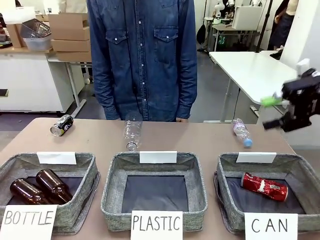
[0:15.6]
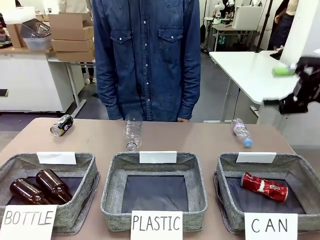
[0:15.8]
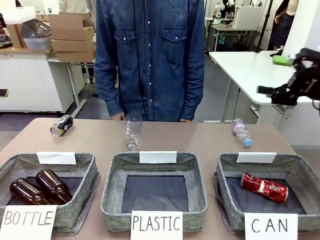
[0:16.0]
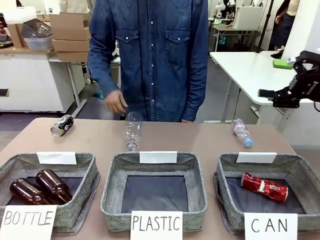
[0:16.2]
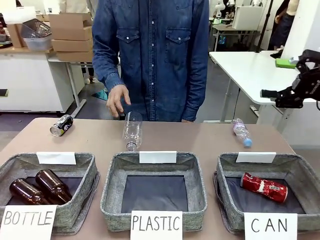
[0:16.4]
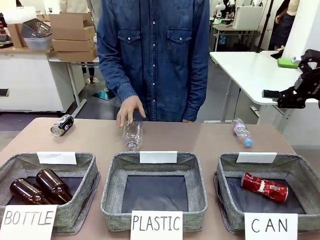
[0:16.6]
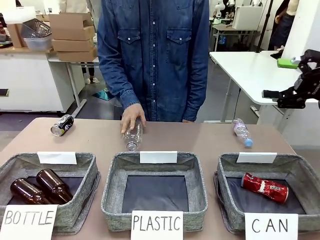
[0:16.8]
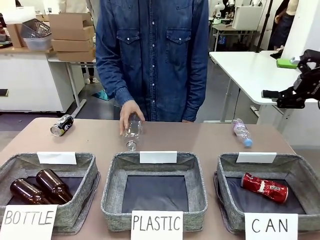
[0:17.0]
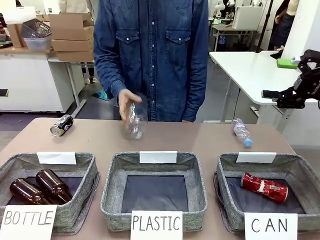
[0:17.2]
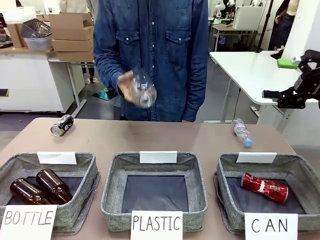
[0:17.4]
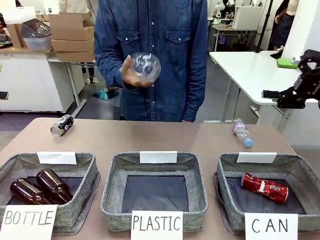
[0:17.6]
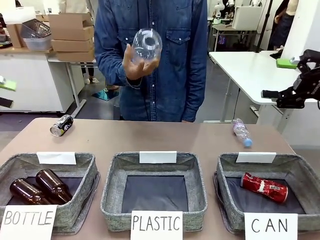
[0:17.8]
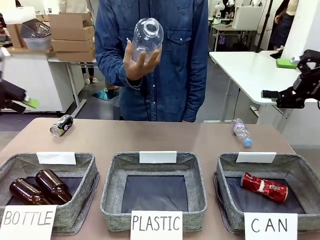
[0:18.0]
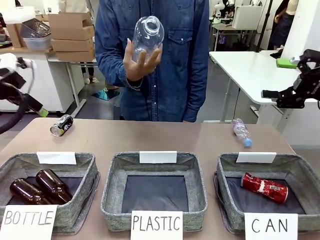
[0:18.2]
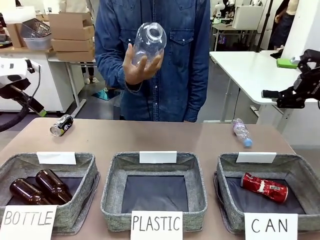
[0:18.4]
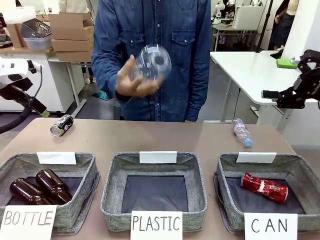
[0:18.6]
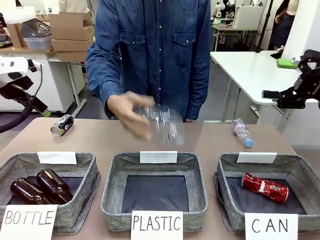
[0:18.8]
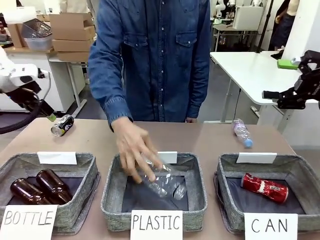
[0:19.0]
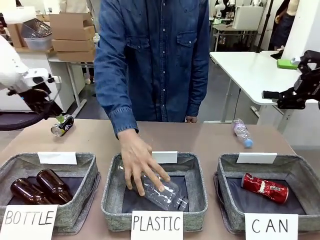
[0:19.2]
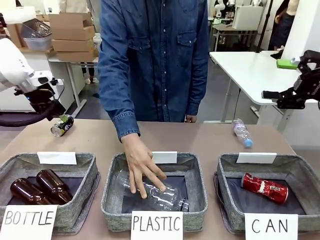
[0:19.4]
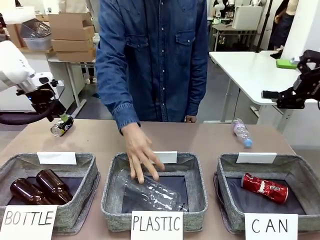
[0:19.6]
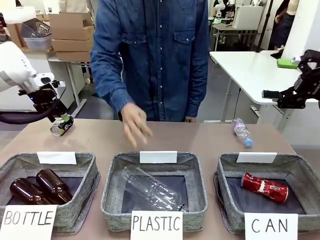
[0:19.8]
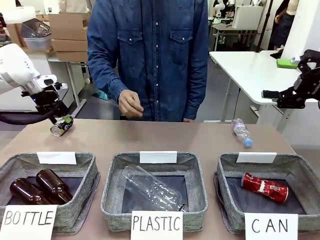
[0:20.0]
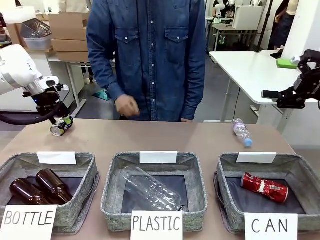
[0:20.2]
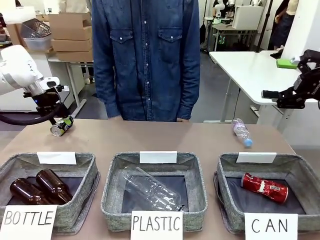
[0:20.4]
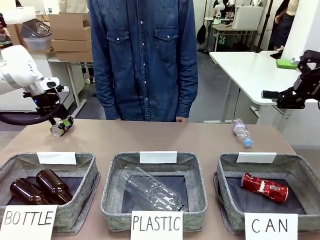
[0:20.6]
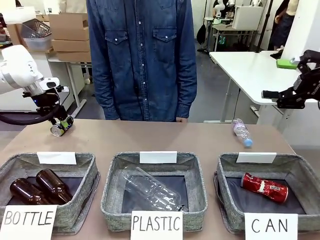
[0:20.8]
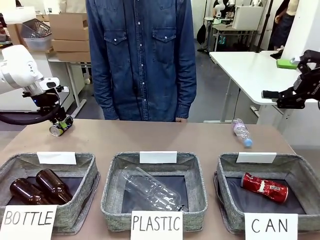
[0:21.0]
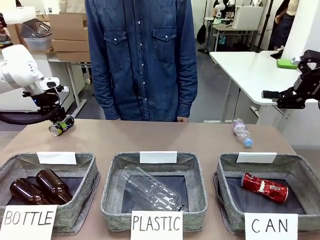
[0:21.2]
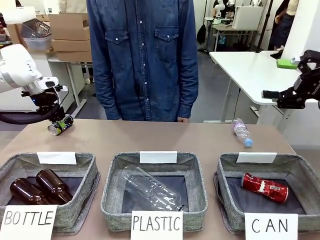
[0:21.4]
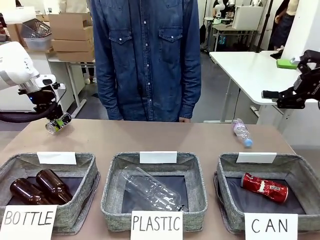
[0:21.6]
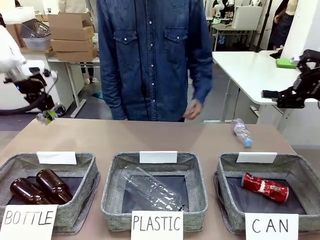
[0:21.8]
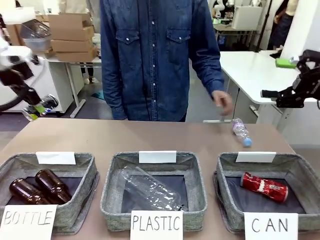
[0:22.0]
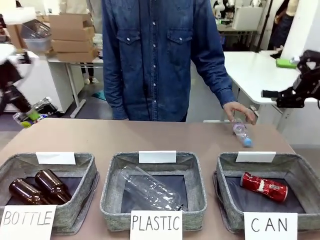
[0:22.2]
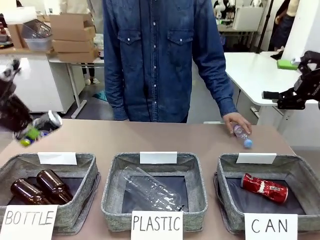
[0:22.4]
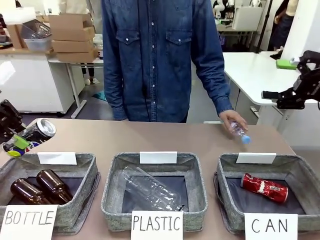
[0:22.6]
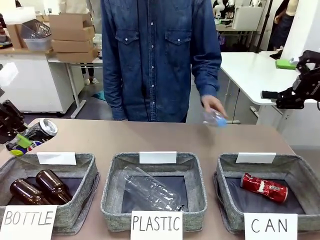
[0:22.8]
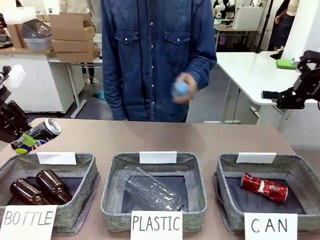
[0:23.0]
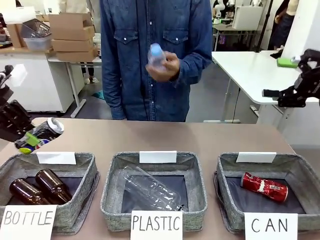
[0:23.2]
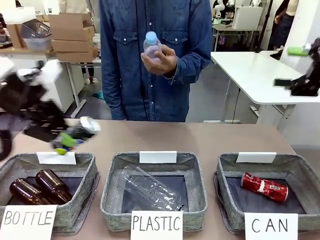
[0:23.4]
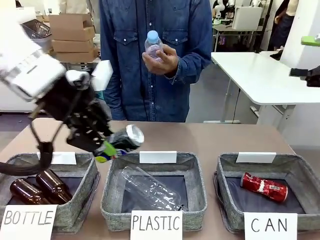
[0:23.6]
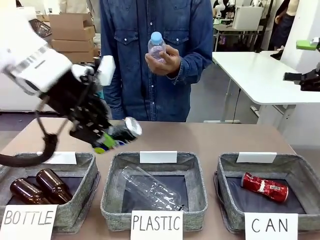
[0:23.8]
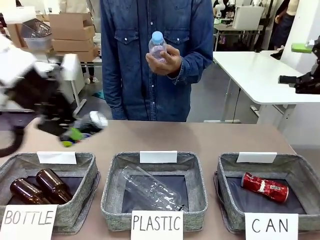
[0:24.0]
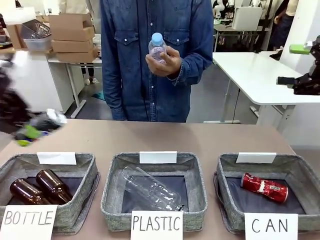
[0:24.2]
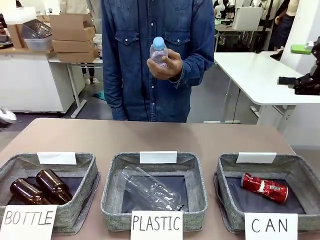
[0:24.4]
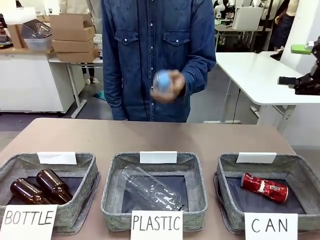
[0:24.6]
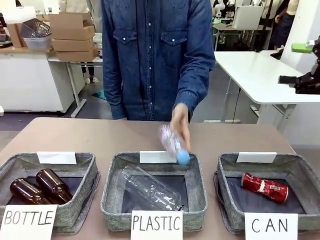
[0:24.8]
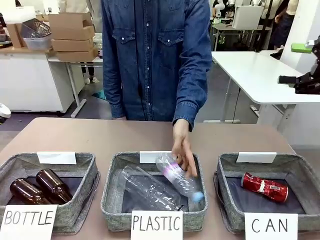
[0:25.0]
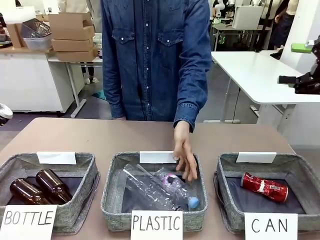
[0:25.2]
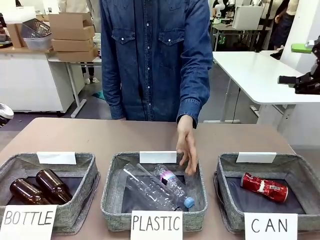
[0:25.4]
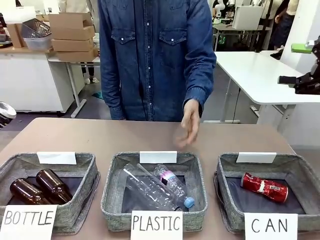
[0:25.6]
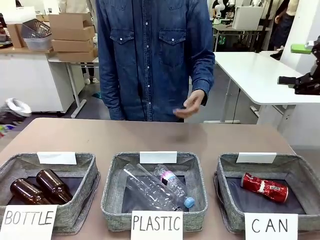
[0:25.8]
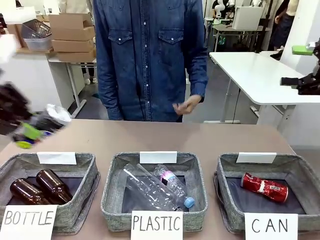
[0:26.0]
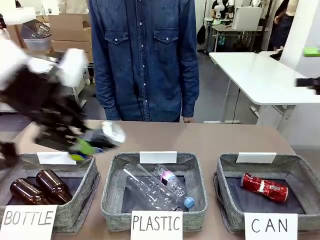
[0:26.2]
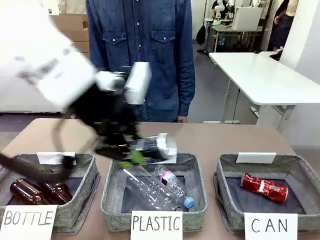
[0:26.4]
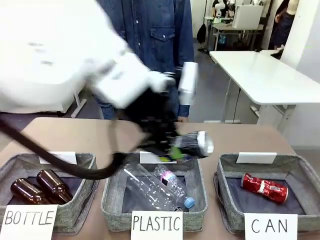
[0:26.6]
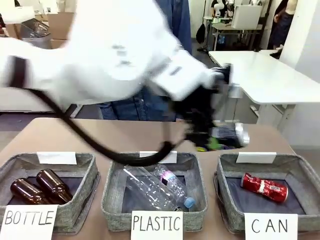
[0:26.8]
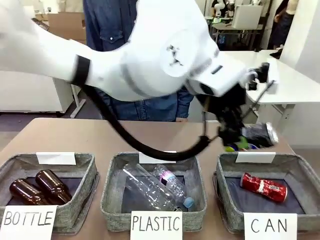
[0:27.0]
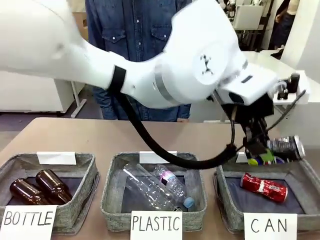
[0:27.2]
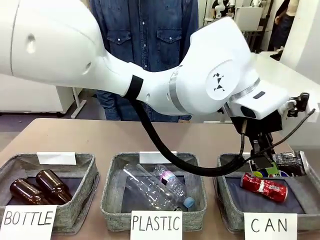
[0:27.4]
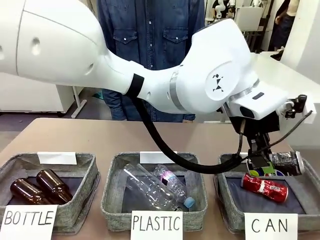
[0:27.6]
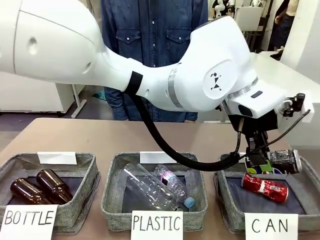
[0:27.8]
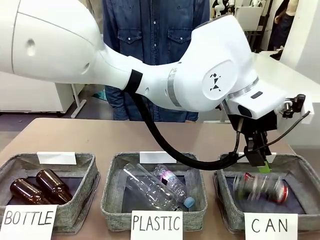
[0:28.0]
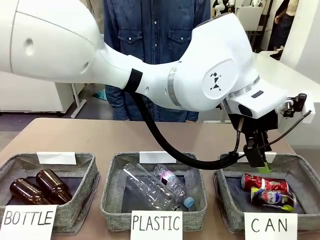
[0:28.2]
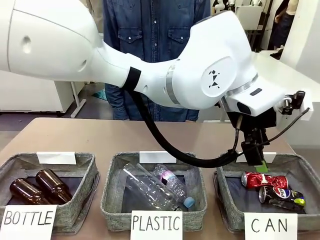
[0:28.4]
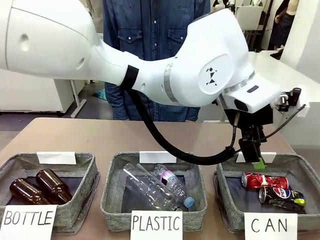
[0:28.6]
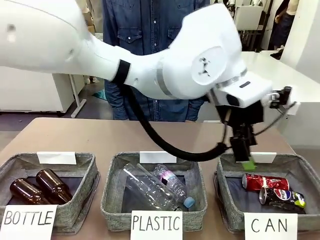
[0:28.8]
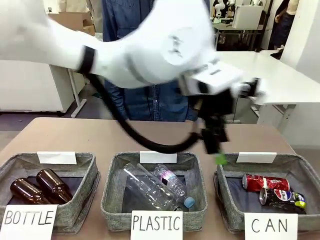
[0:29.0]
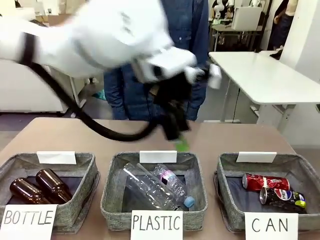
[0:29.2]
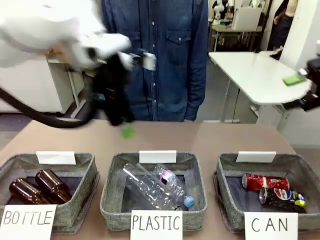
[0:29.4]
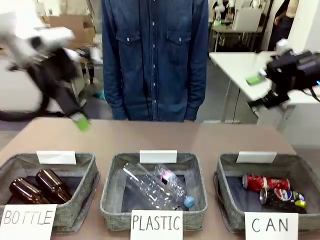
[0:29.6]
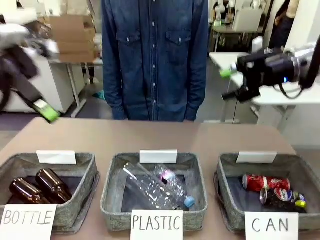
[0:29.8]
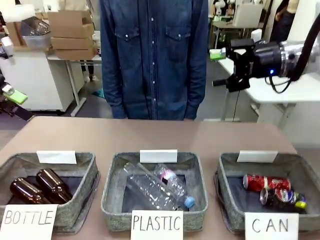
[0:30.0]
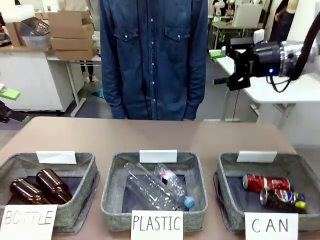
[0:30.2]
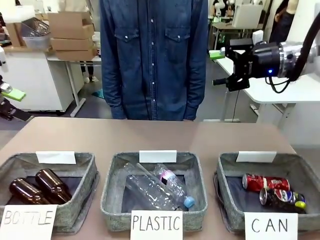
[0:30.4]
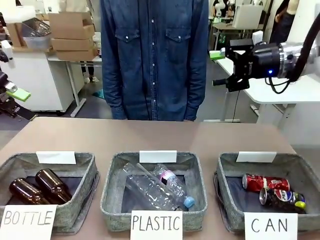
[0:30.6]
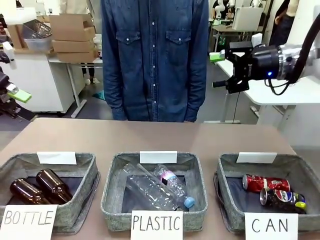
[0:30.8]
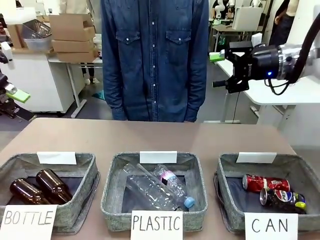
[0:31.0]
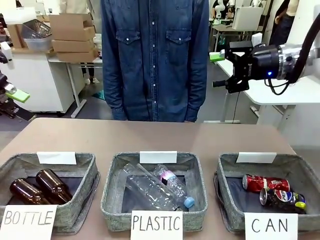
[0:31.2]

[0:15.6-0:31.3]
Task: Sort the can waste into the basket.
Robot: Pick up the can waste from the table and place it in the right Fabric basket.
Person: The human picks up one piece of trash that is not a can and places the trash into the appropriate organizing basket.
